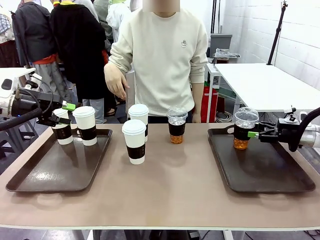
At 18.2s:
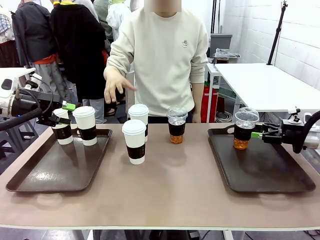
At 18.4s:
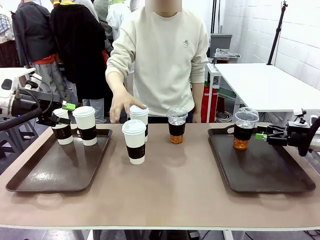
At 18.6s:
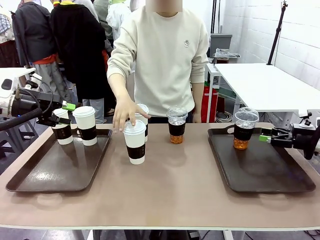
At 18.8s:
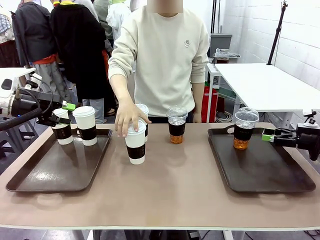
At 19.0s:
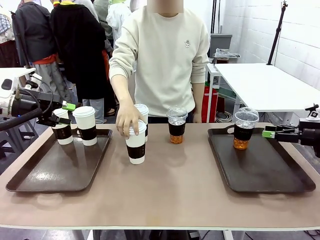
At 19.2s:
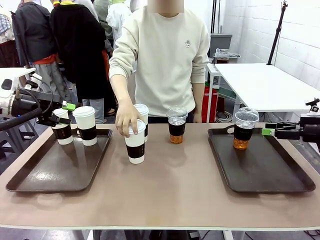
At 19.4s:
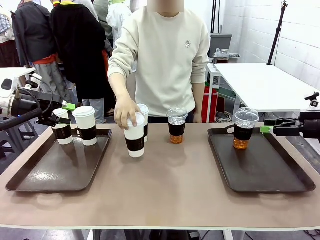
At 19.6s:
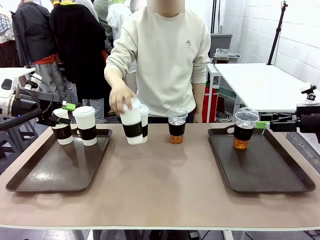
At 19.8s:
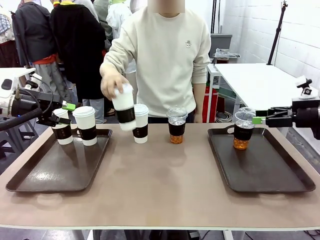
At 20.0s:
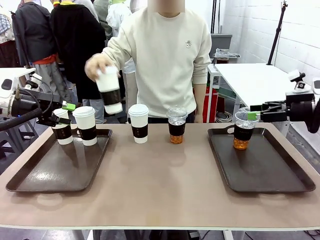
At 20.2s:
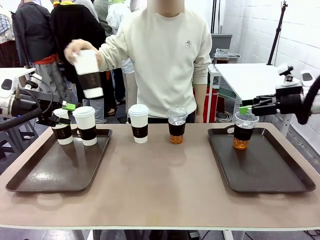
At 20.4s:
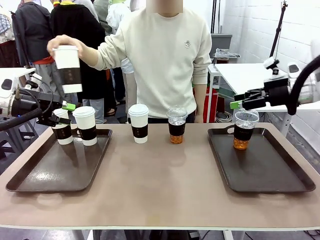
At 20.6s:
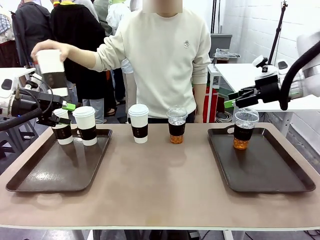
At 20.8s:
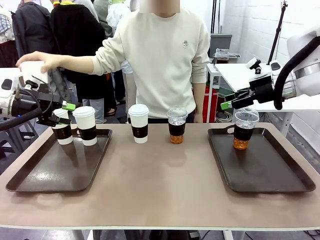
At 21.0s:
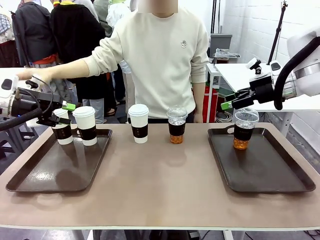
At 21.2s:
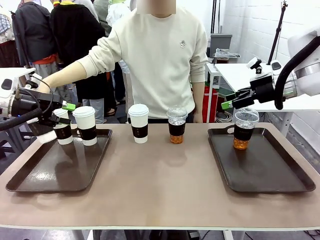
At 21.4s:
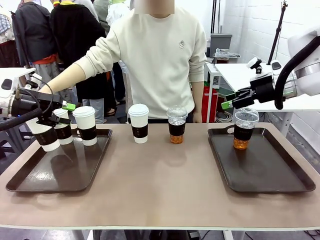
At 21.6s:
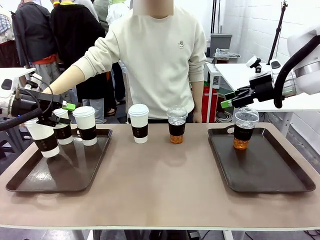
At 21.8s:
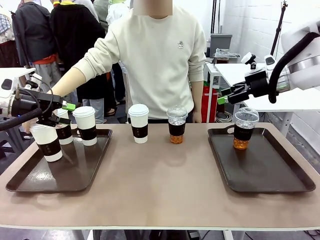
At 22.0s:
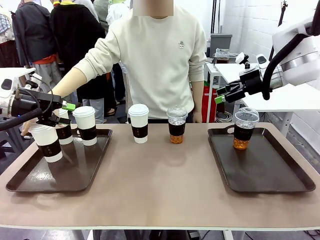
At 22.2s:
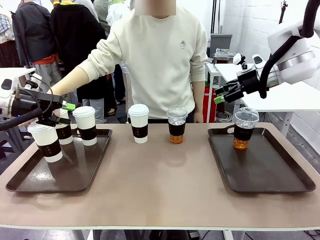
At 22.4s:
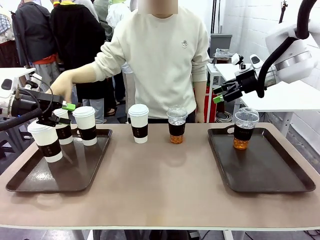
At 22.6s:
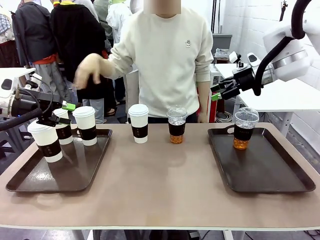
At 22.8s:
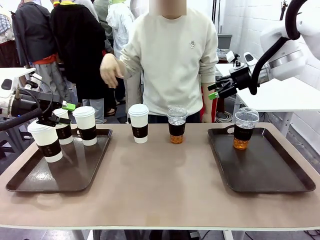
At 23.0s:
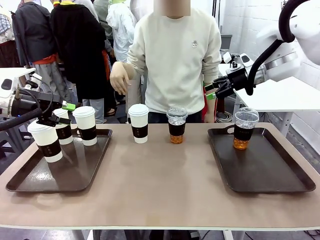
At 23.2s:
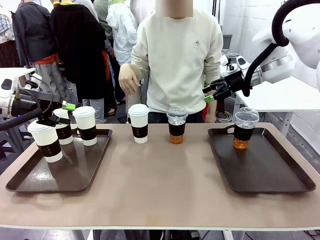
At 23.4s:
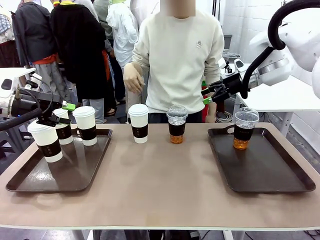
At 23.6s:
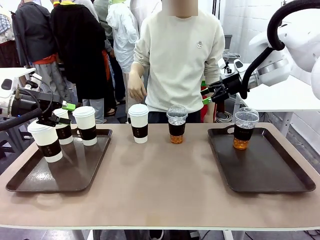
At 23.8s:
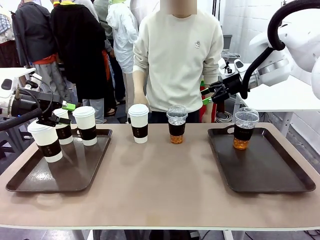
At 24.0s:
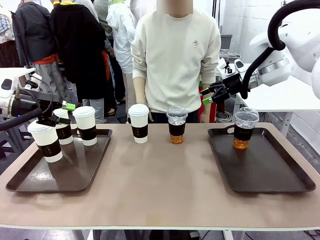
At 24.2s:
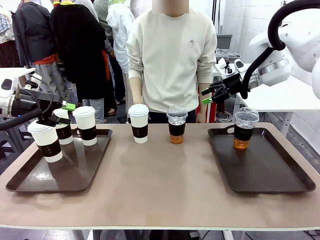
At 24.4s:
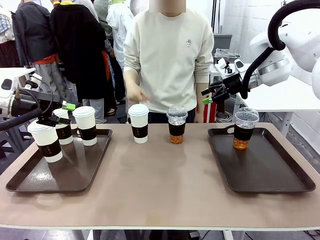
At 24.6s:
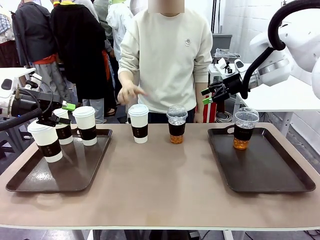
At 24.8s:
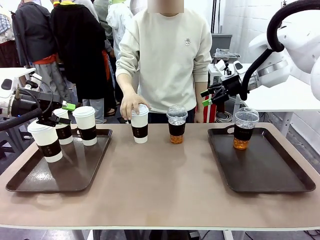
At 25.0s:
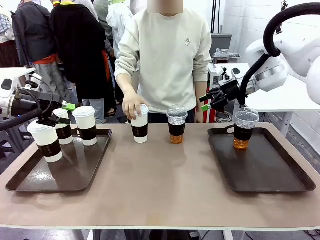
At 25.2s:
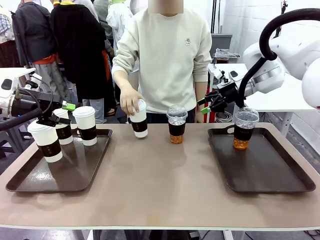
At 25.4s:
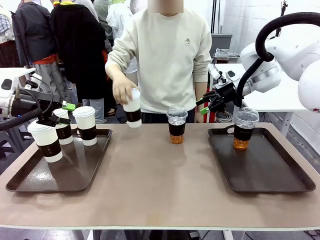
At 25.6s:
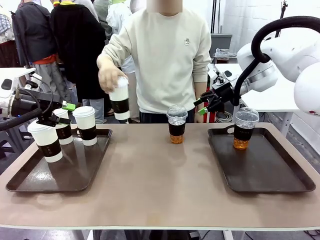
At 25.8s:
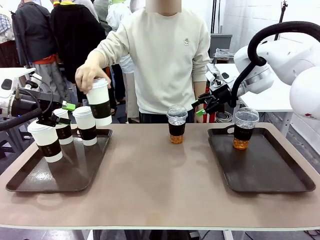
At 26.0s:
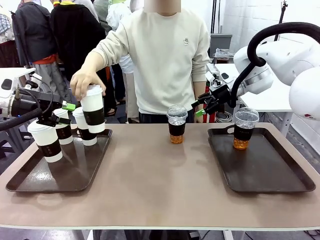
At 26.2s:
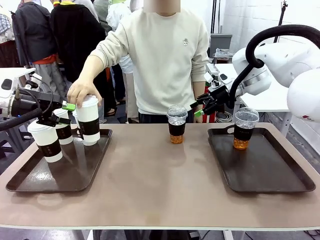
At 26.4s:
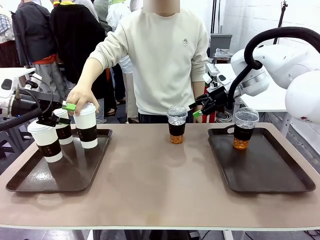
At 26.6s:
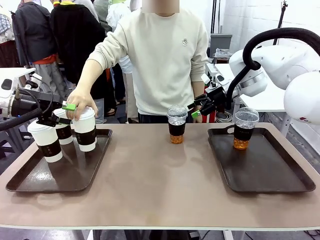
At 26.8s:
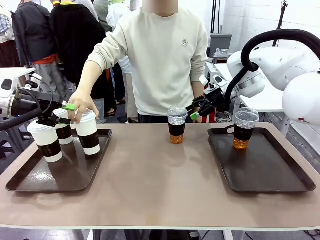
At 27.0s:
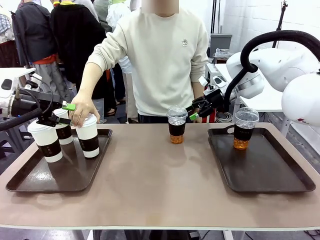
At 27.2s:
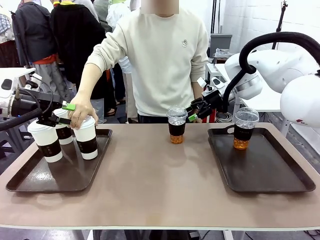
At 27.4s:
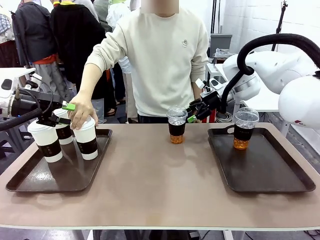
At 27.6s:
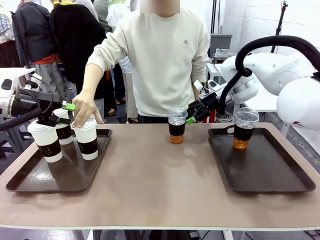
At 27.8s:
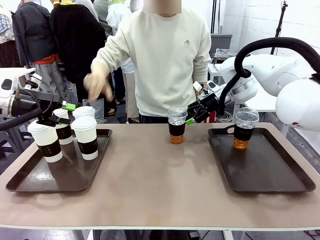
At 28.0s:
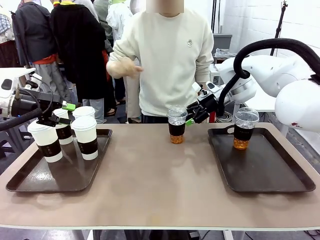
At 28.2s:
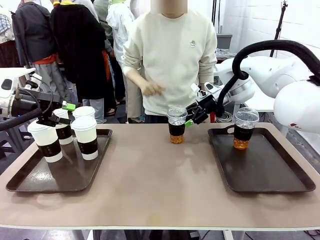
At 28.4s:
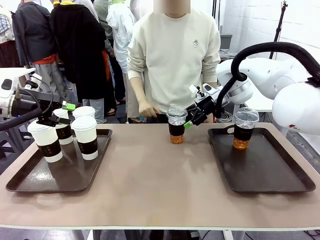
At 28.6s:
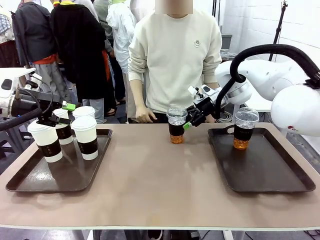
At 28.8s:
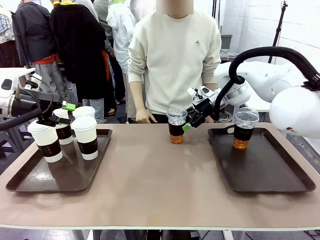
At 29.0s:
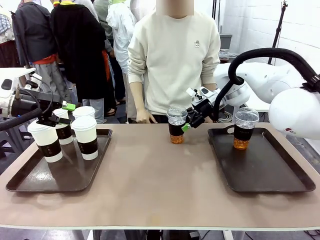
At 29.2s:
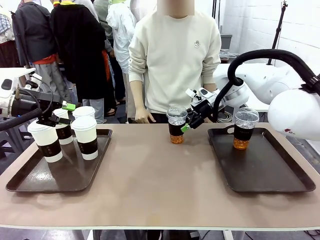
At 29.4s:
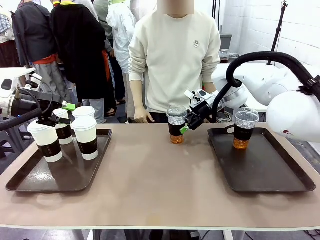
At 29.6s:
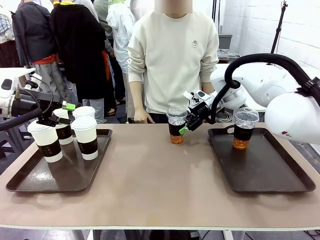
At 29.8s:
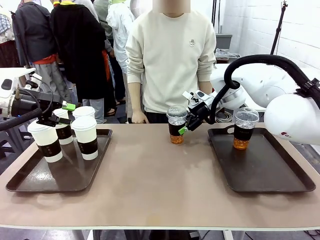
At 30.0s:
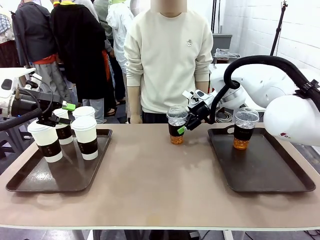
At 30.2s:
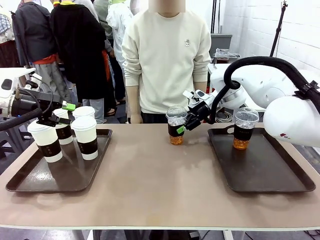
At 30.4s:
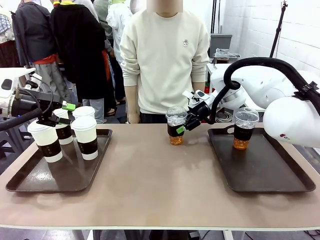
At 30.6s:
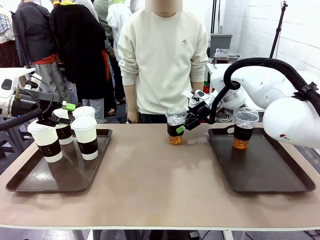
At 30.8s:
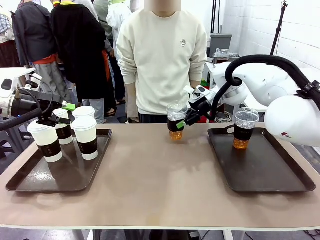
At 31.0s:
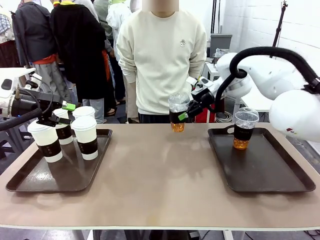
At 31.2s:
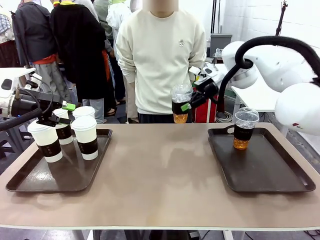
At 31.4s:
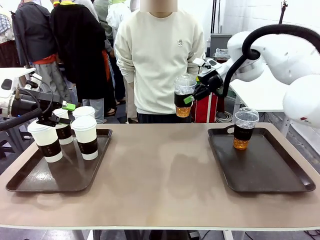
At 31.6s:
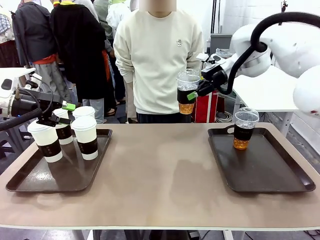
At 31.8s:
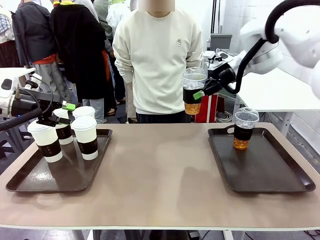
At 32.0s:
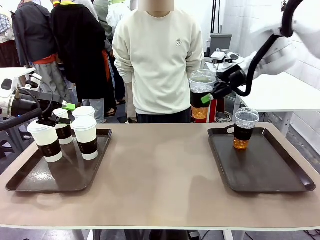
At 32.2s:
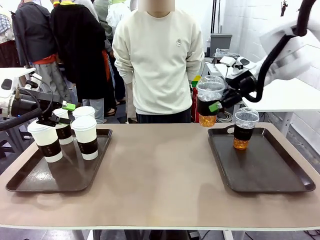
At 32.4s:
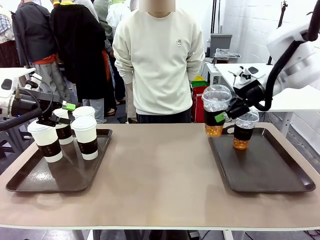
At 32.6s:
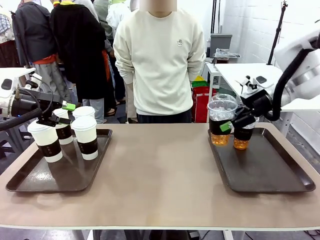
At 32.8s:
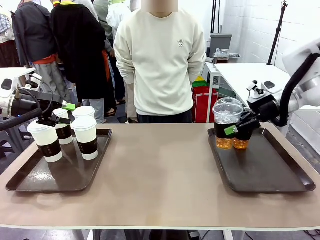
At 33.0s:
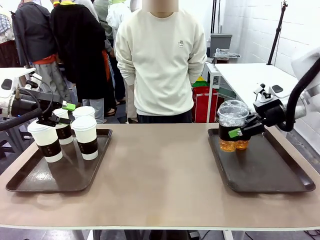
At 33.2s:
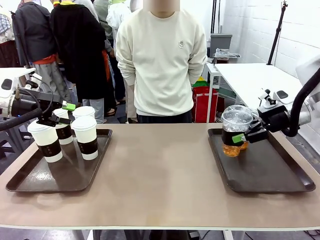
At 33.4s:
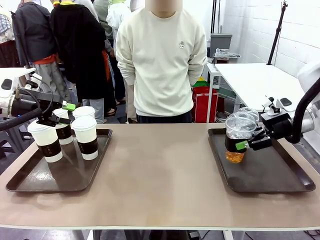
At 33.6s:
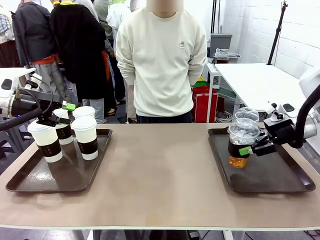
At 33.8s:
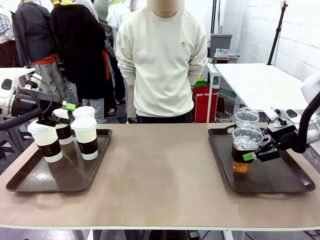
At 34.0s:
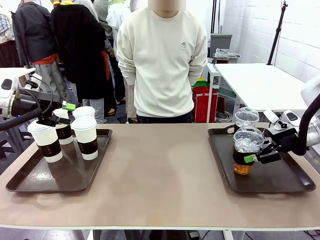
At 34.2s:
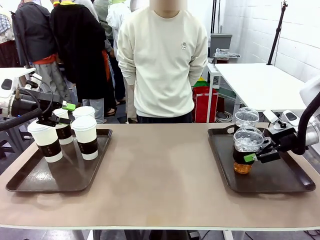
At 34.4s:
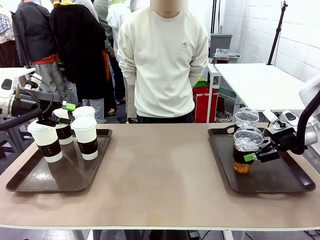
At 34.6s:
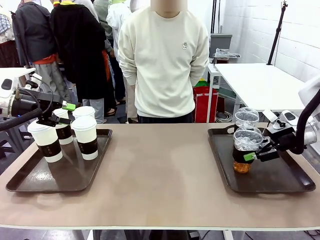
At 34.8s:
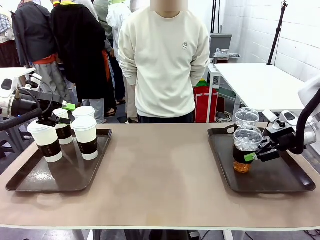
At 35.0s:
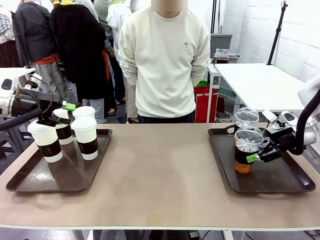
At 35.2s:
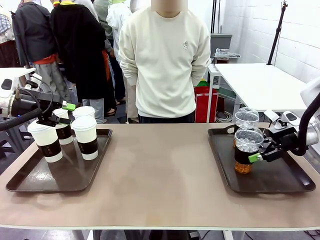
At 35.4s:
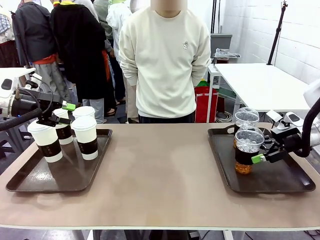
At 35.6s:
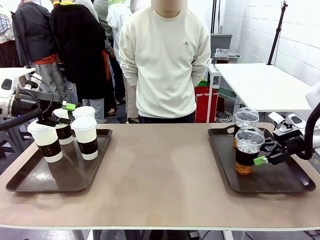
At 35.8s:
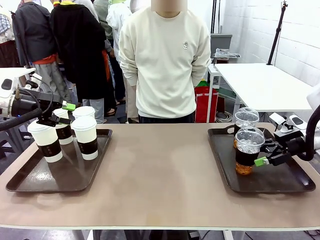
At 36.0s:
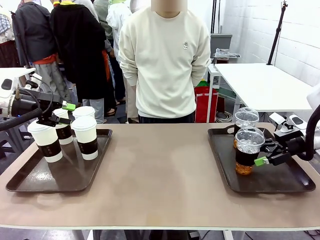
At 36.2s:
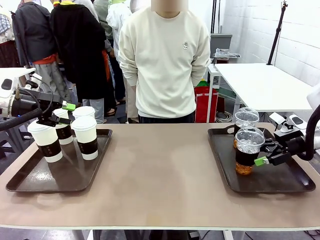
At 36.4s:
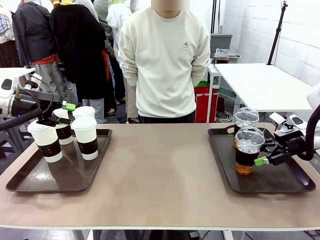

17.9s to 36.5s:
Task: Distribute the coffee onto the tray.
Robot: Pick up another iced Americano from the middle of the table and place it on the right Handle tray.
Person: Pick up a cup of hot Americano from the middle of the table and place it on the right tray.
